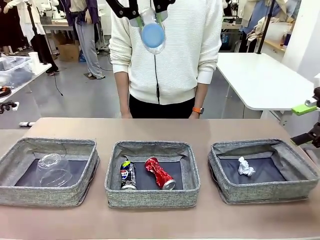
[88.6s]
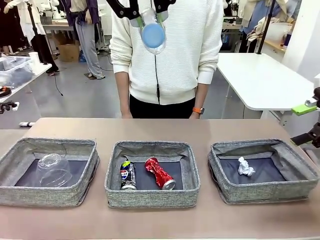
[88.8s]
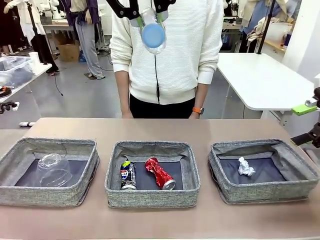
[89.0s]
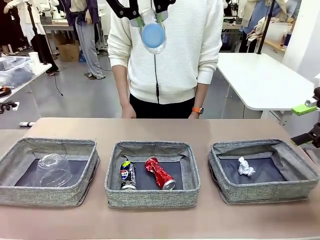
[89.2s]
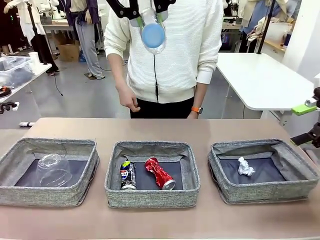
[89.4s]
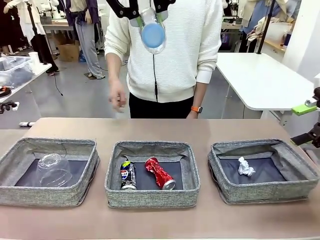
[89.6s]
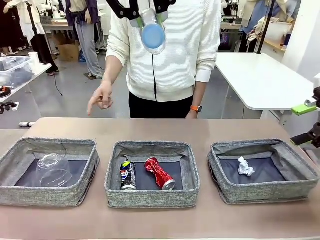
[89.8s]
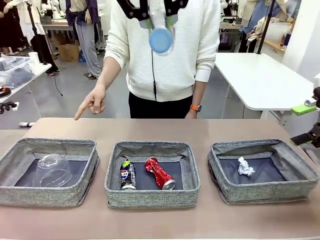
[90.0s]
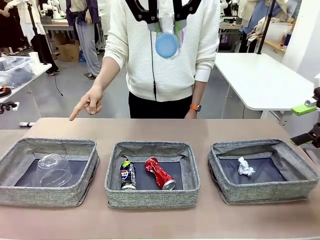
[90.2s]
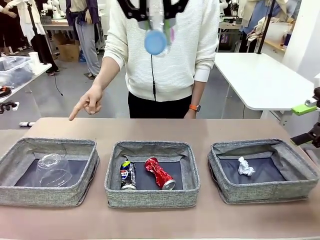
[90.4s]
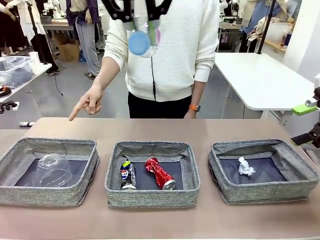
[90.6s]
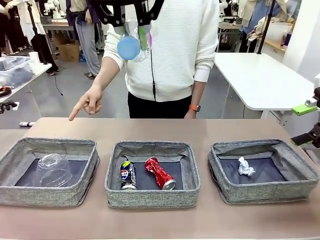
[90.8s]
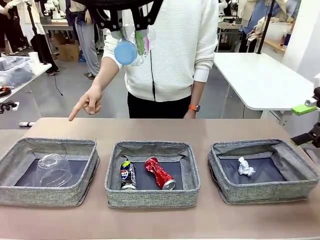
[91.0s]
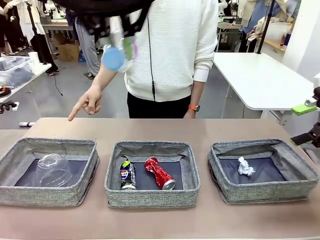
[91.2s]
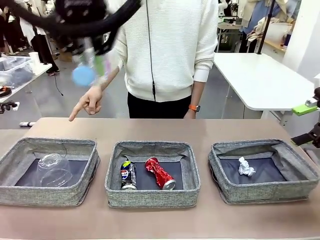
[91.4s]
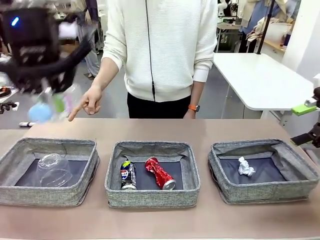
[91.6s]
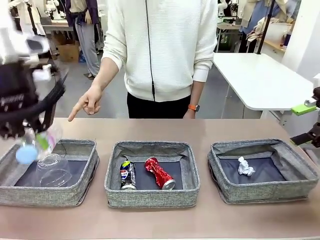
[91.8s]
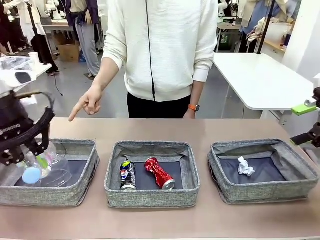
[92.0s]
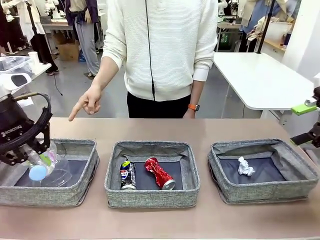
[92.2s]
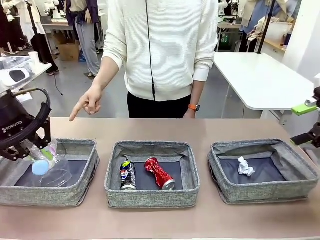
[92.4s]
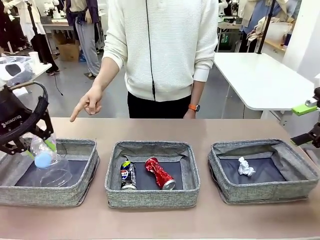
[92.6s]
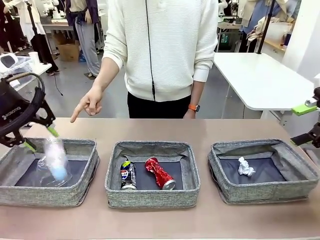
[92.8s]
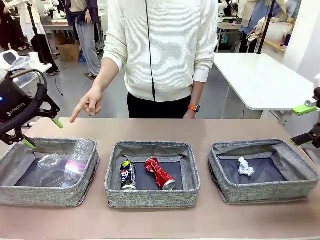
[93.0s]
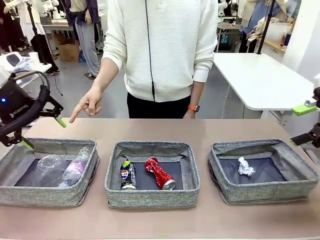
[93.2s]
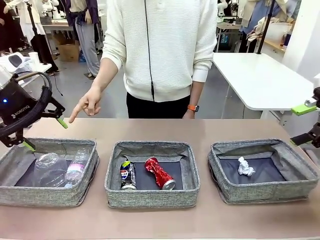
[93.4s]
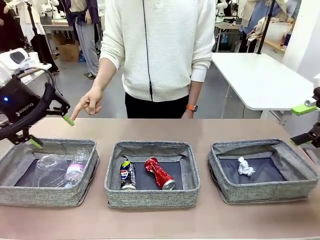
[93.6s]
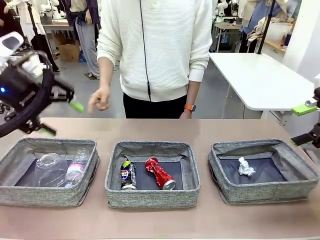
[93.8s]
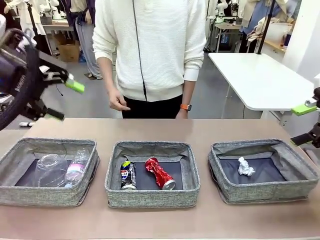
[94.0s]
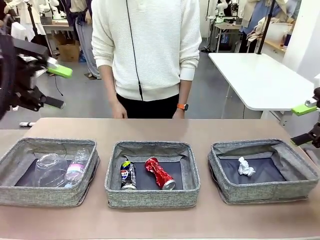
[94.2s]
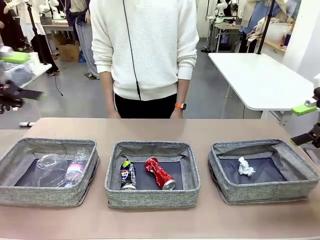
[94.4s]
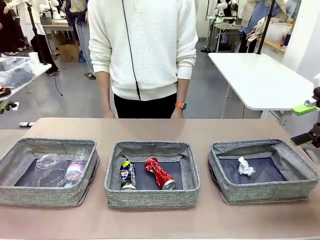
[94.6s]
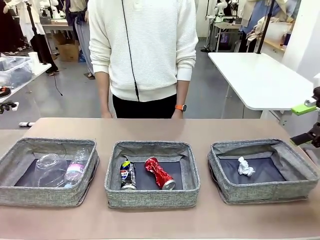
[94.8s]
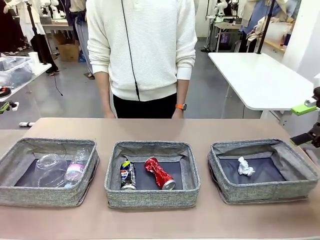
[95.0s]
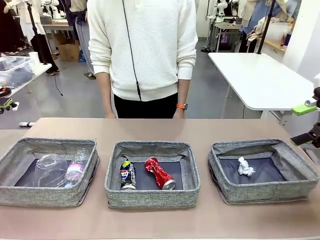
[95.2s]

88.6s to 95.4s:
Task: Sort the waste into the appropriate baskets.
Robot: Place the picked waste into the Fabric basket indicated by the person.
Person: Instructs the robot to place the picked-up trash into the appropriate organizing basket.

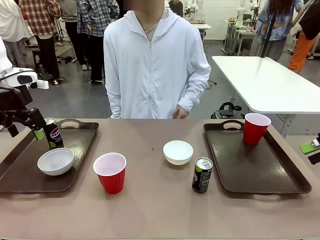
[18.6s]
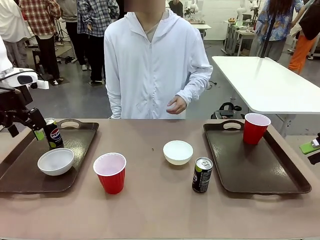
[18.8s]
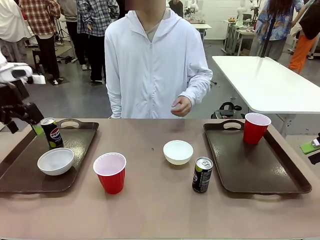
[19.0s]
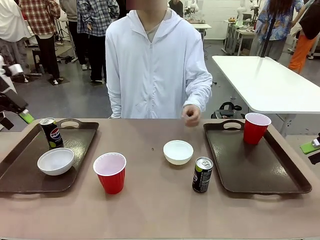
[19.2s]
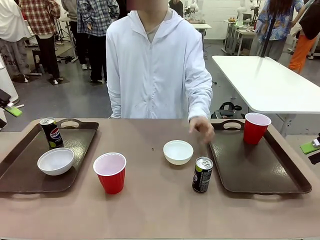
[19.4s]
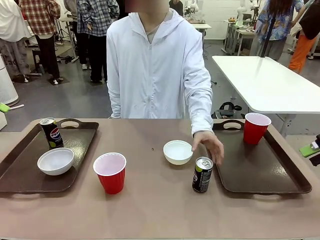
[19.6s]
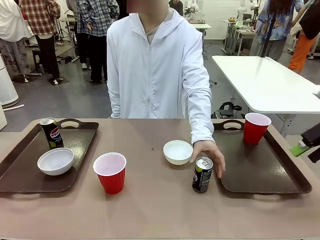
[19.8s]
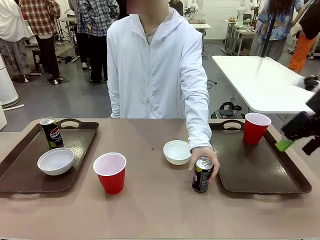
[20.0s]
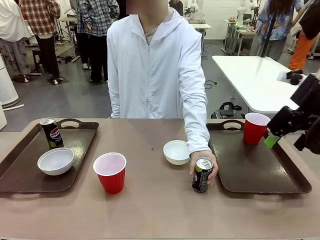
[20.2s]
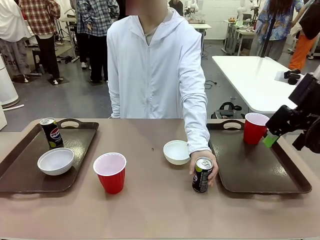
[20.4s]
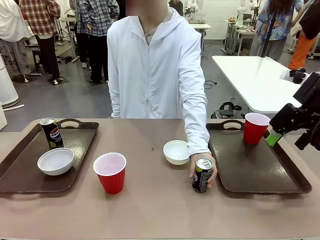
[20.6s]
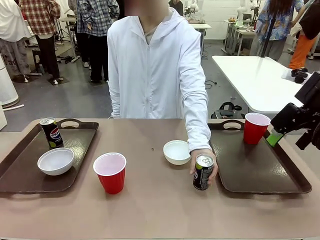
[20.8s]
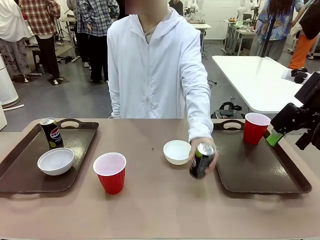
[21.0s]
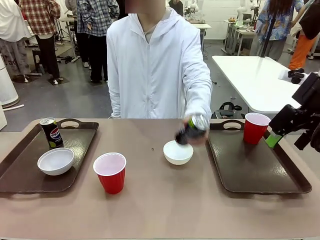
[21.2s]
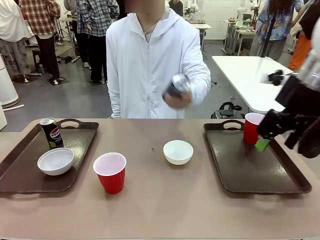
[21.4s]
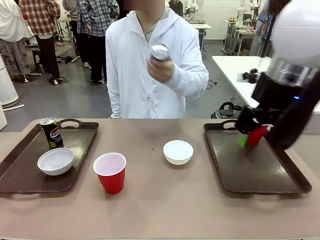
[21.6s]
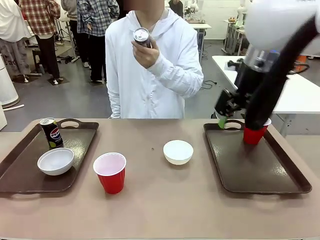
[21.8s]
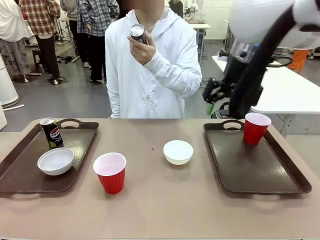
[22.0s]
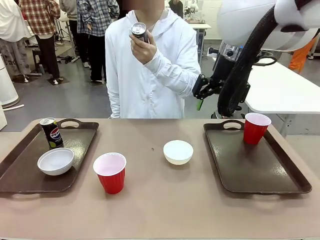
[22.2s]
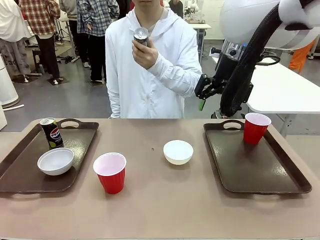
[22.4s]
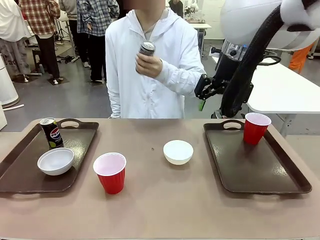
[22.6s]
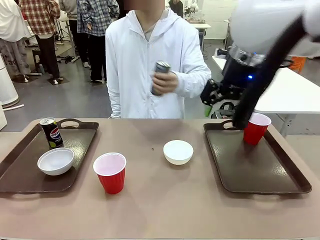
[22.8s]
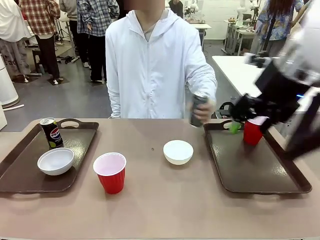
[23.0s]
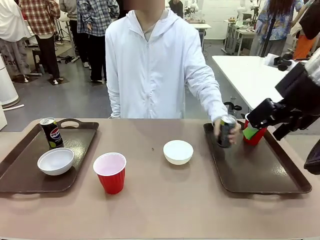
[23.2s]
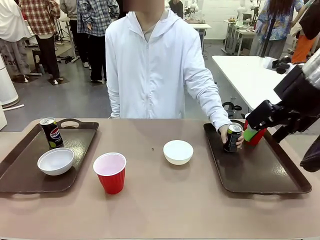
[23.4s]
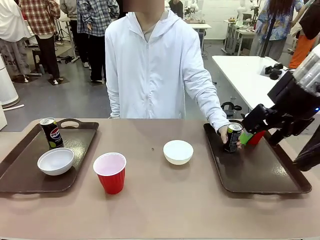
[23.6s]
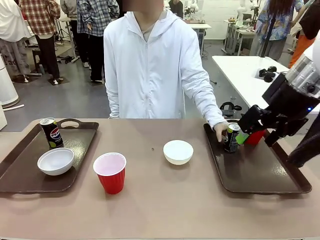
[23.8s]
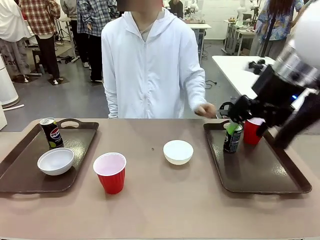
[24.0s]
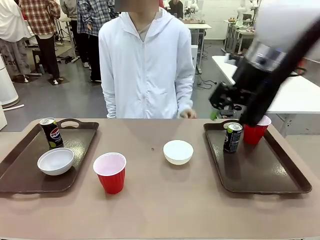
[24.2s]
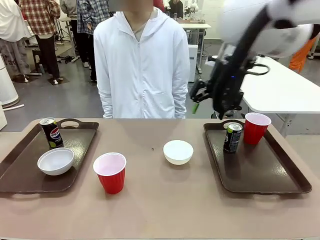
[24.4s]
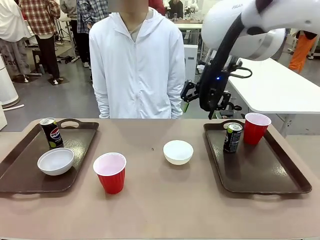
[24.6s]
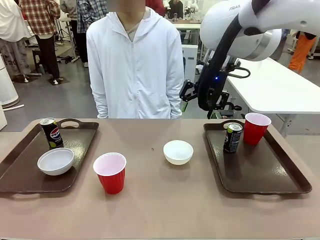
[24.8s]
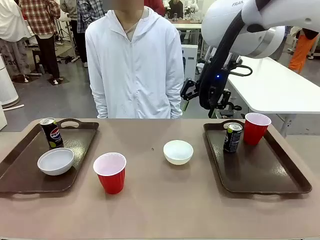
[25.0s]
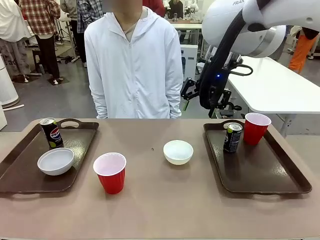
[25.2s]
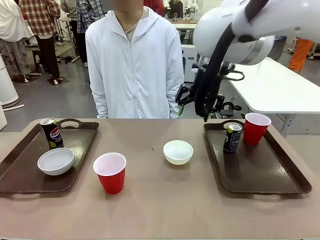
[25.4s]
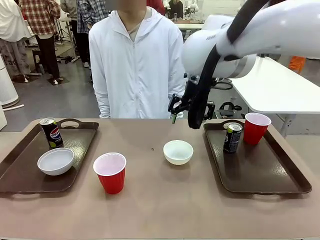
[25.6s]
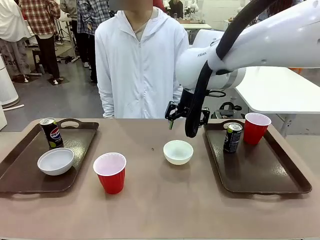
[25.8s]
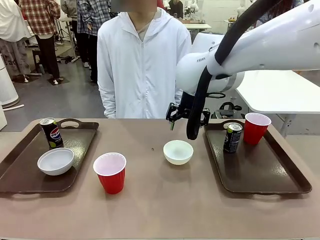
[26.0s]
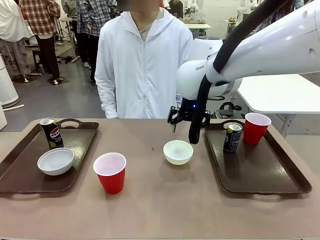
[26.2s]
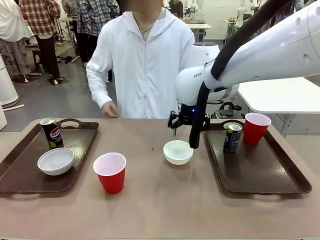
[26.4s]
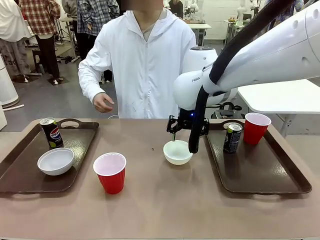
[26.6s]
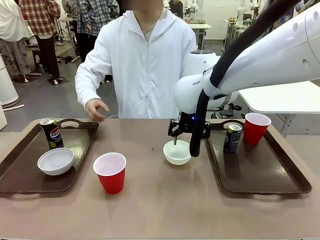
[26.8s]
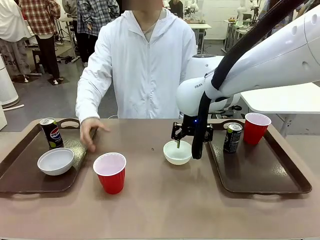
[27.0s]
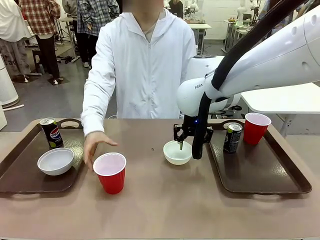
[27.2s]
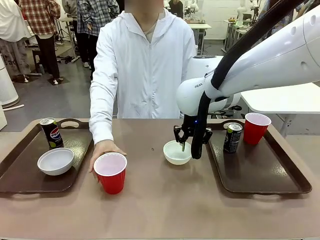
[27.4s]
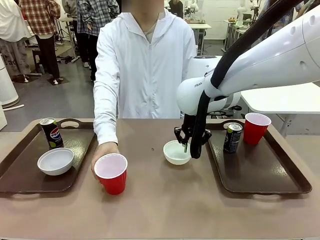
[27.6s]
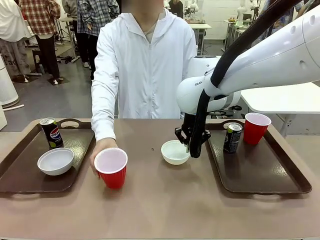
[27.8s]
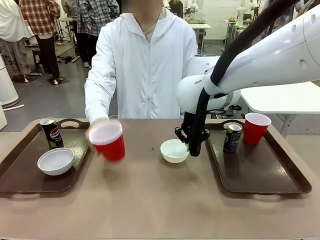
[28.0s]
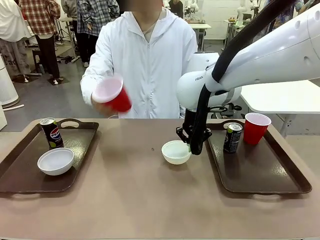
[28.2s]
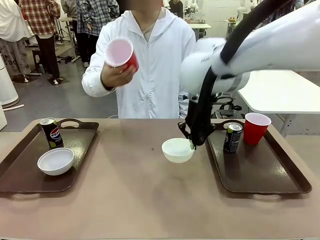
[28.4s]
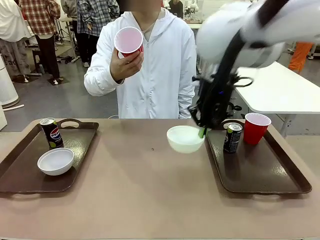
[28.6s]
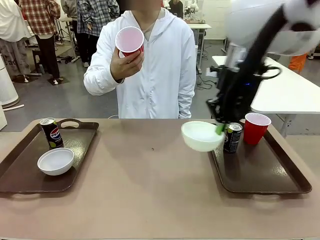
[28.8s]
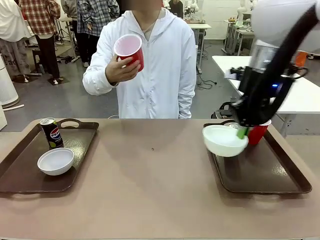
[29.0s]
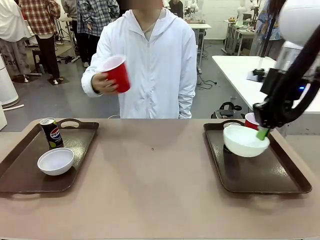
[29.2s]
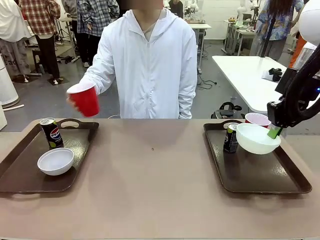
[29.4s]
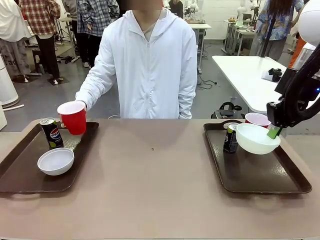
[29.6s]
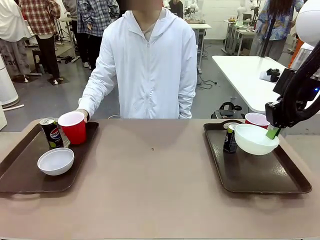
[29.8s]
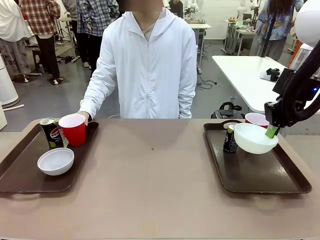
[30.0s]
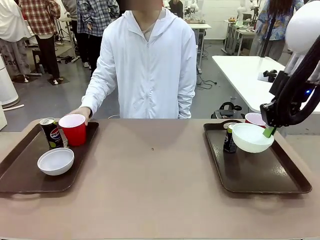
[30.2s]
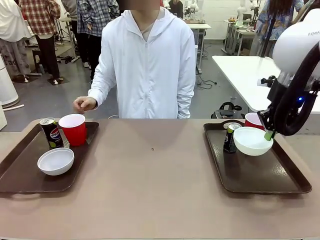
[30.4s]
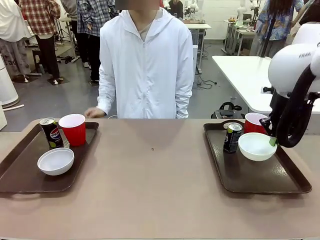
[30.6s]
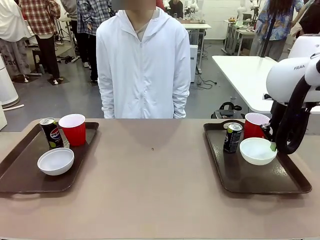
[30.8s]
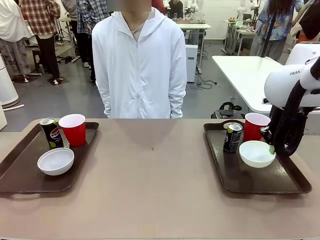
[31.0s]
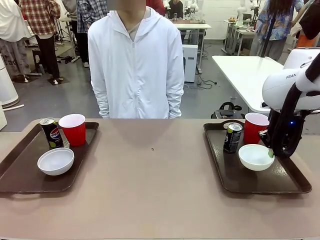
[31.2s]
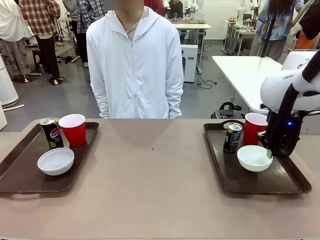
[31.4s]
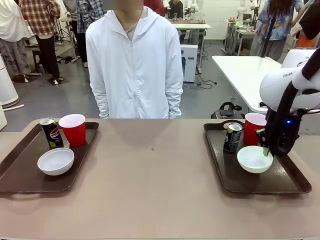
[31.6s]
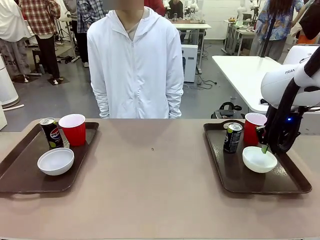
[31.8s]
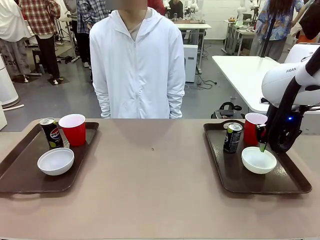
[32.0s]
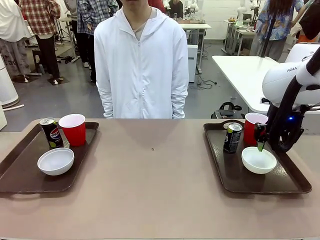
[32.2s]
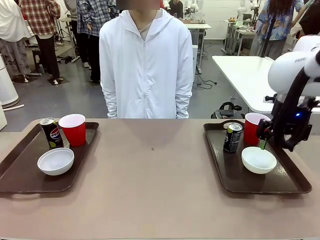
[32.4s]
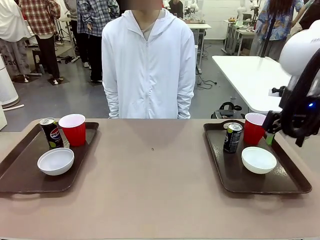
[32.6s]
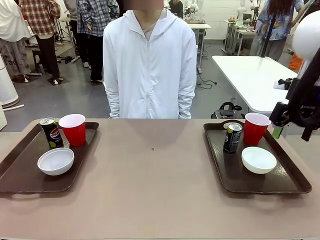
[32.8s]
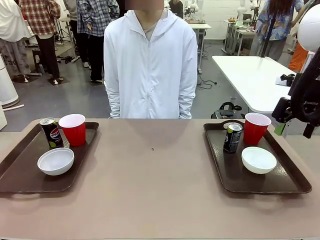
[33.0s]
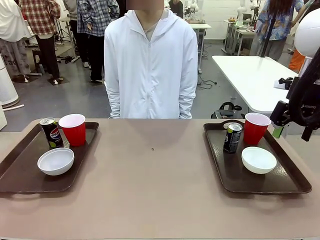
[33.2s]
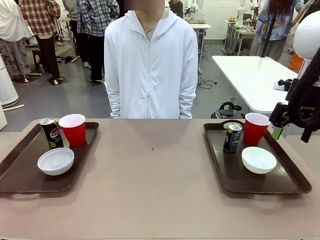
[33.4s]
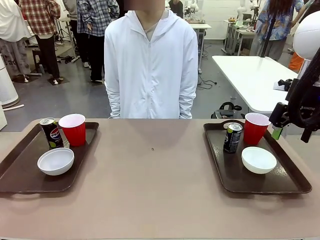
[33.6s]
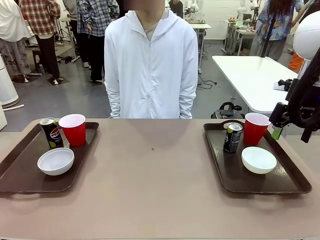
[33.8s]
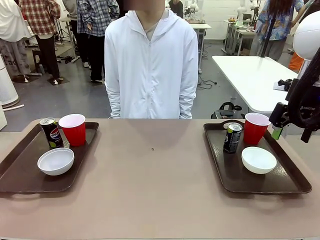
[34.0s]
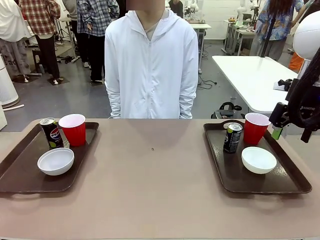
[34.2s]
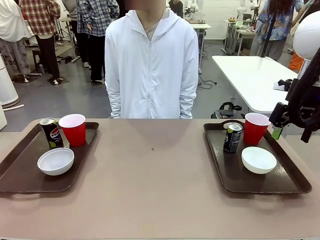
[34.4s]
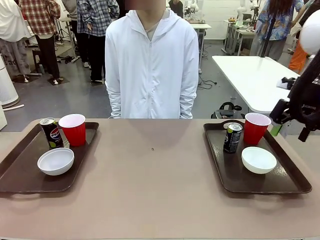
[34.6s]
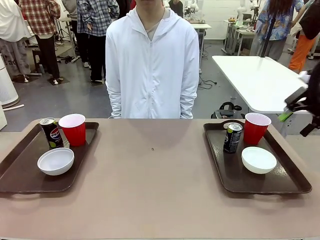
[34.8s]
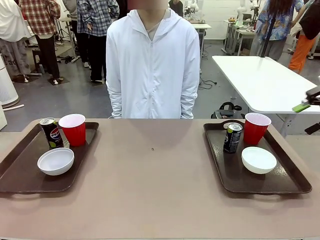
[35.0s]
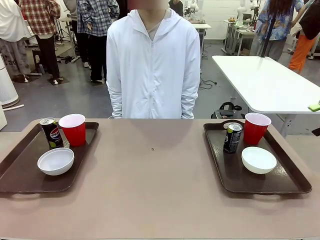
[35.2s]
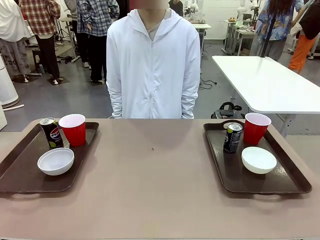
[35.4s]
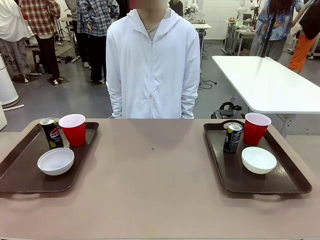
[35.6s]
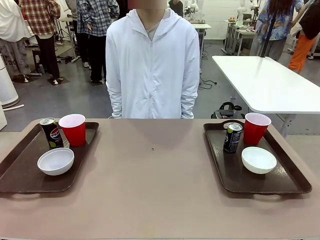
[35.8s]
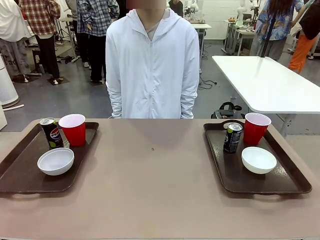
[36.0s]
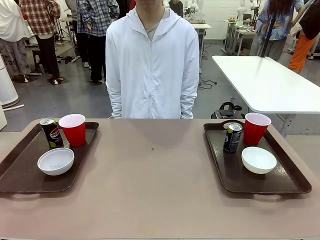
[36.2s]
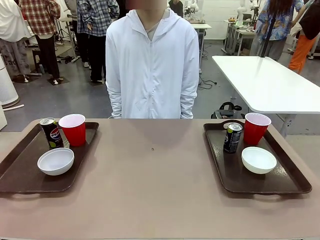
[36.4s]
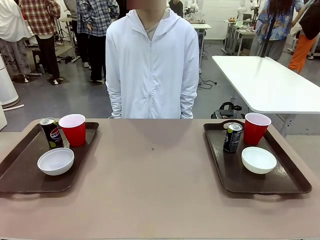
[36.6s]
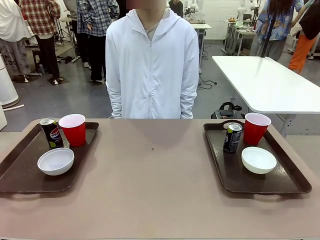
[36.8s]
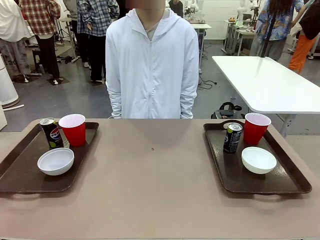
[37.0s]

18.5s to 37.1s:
Task: Prepare tableware on both trays.
Robot: Pick up a Picnic Bowl from the table and place it on a Handle tray.
Person: Pick up a can or cup and place it on the tray without a can or cup.
